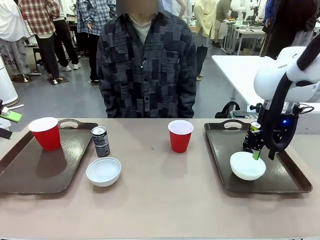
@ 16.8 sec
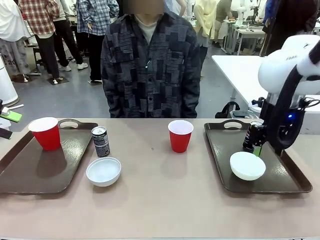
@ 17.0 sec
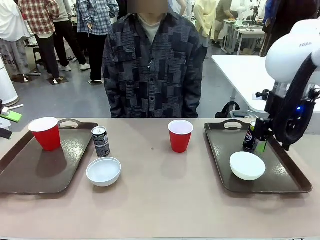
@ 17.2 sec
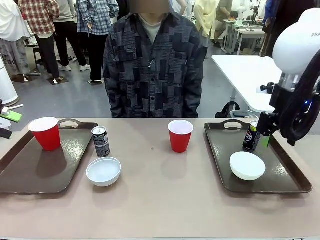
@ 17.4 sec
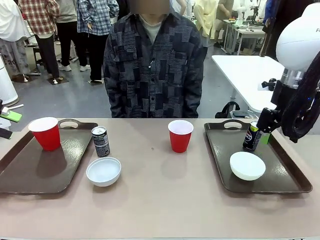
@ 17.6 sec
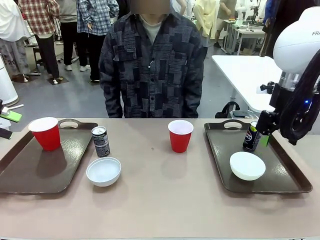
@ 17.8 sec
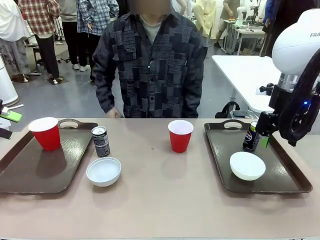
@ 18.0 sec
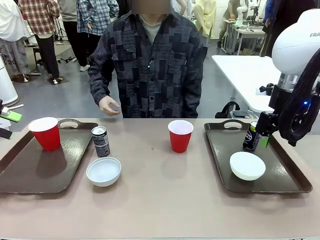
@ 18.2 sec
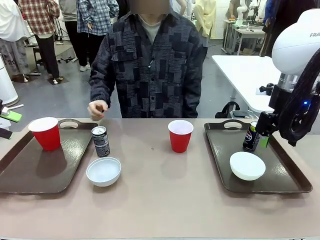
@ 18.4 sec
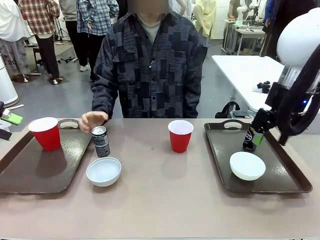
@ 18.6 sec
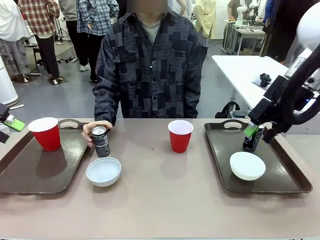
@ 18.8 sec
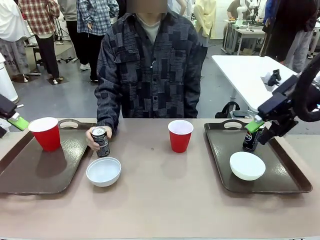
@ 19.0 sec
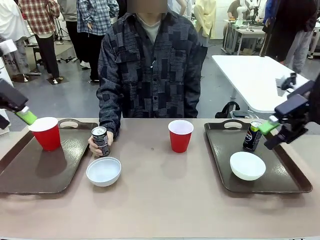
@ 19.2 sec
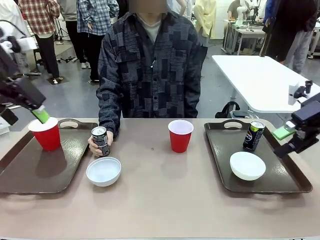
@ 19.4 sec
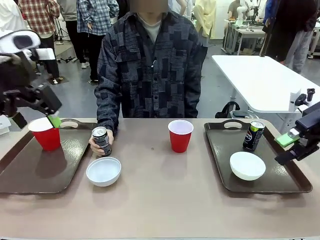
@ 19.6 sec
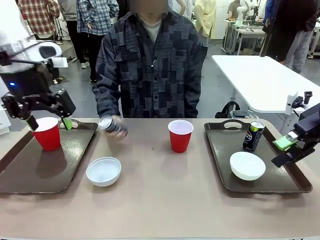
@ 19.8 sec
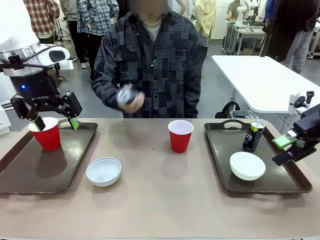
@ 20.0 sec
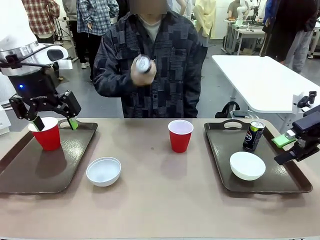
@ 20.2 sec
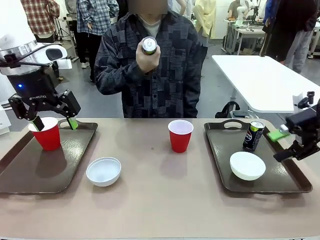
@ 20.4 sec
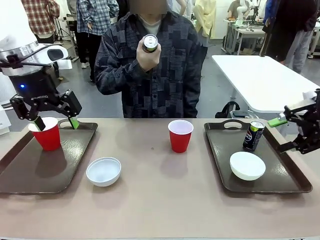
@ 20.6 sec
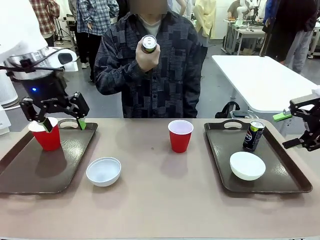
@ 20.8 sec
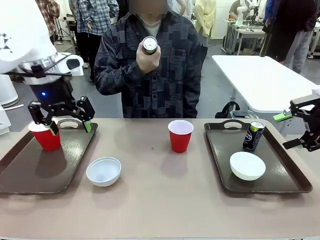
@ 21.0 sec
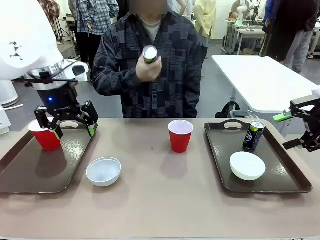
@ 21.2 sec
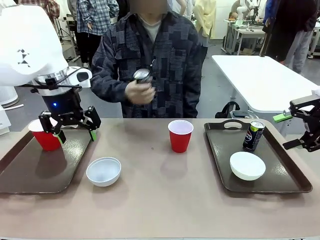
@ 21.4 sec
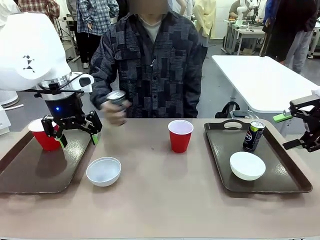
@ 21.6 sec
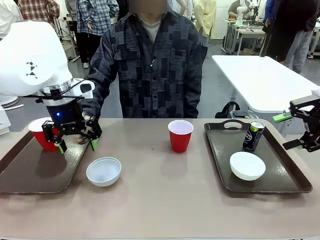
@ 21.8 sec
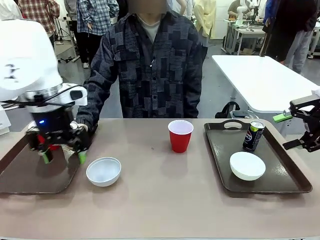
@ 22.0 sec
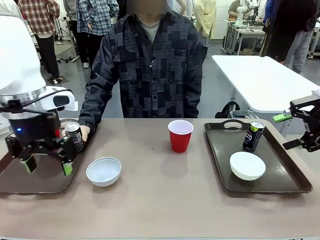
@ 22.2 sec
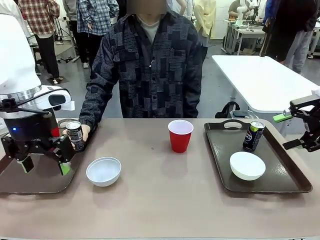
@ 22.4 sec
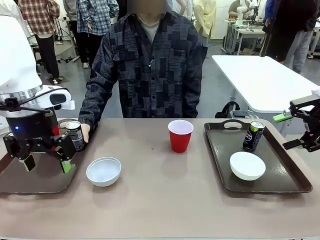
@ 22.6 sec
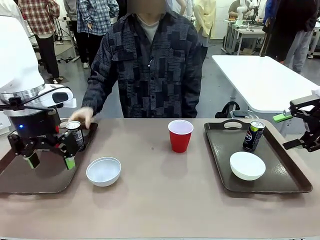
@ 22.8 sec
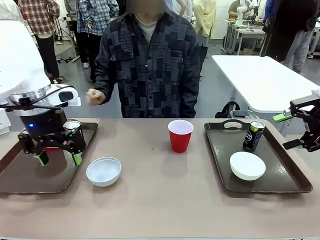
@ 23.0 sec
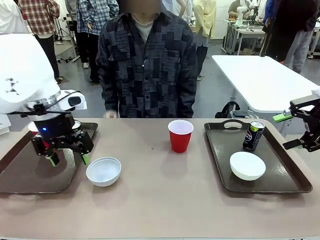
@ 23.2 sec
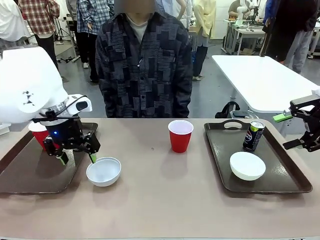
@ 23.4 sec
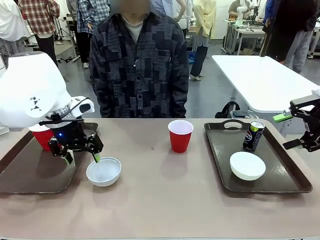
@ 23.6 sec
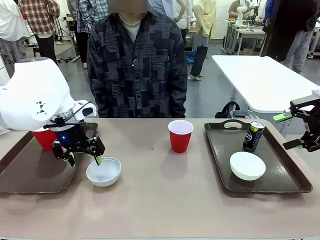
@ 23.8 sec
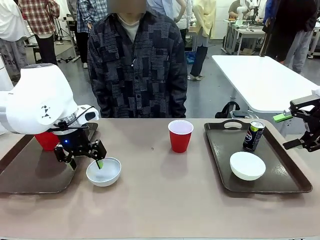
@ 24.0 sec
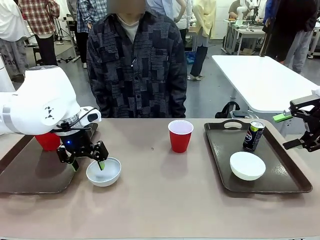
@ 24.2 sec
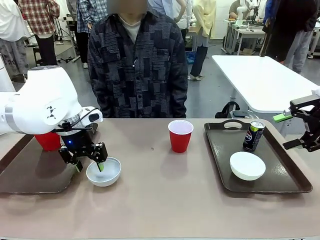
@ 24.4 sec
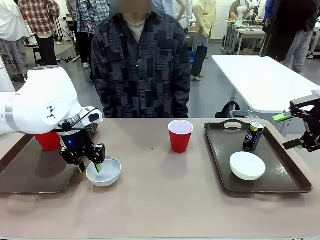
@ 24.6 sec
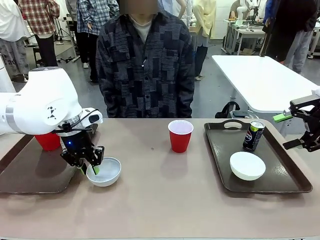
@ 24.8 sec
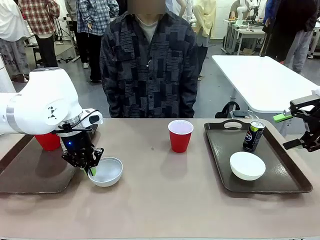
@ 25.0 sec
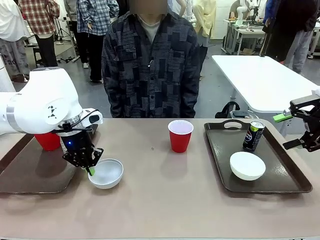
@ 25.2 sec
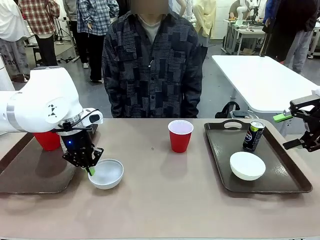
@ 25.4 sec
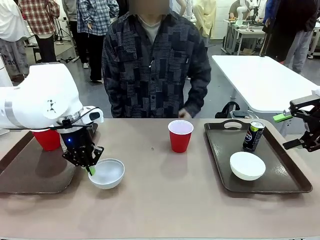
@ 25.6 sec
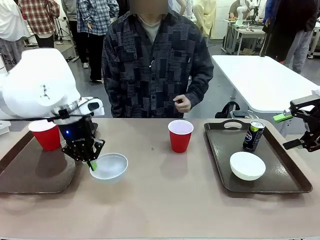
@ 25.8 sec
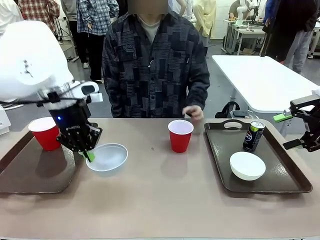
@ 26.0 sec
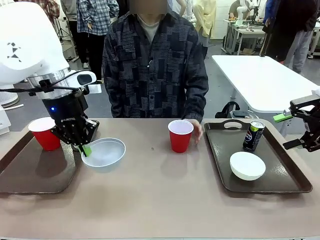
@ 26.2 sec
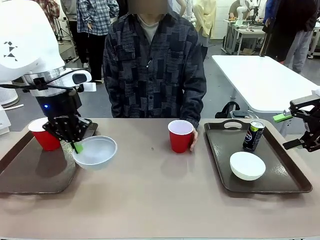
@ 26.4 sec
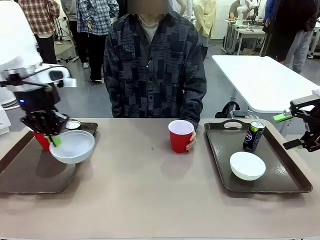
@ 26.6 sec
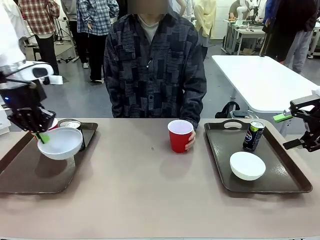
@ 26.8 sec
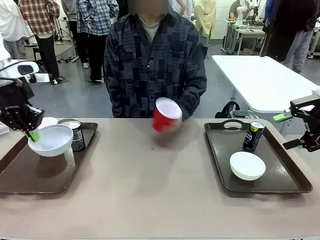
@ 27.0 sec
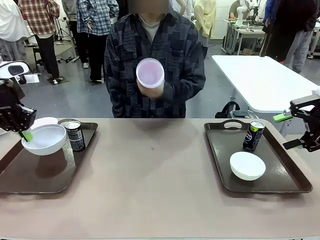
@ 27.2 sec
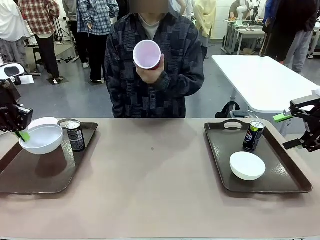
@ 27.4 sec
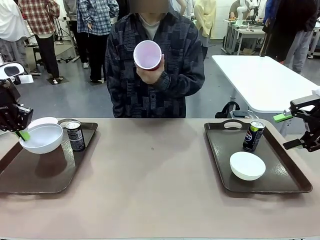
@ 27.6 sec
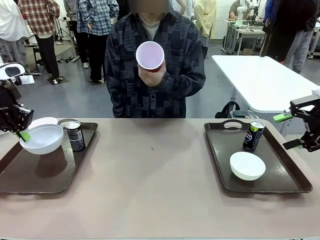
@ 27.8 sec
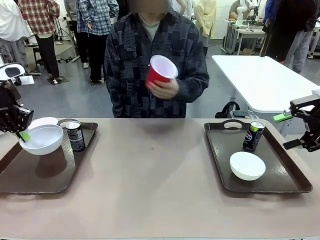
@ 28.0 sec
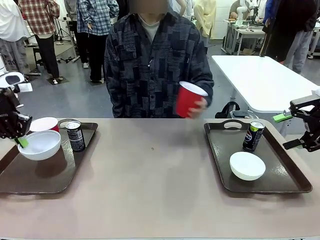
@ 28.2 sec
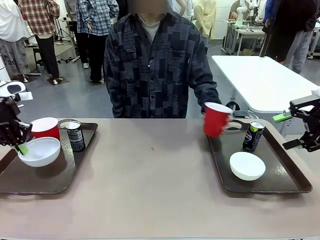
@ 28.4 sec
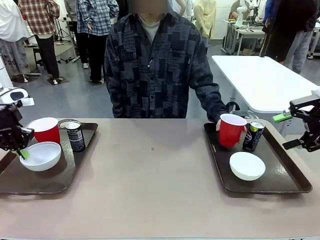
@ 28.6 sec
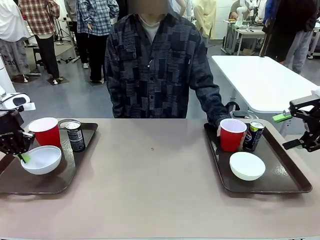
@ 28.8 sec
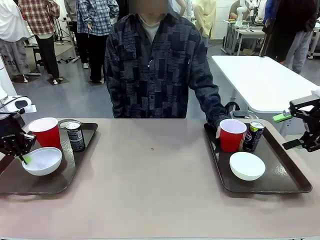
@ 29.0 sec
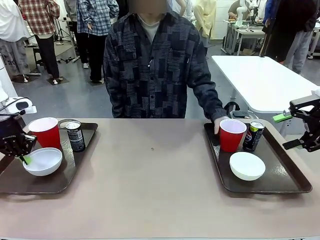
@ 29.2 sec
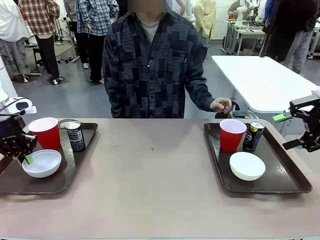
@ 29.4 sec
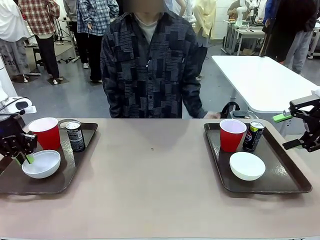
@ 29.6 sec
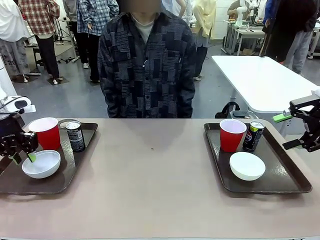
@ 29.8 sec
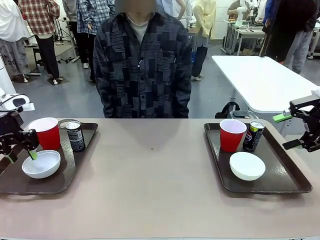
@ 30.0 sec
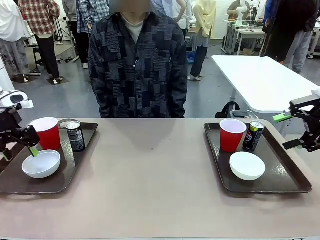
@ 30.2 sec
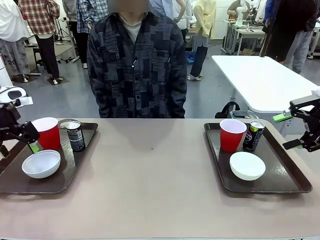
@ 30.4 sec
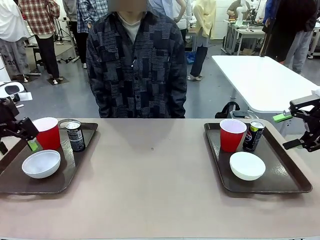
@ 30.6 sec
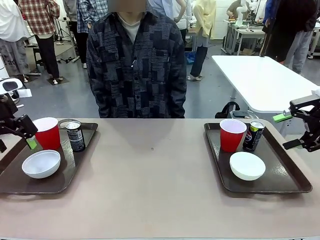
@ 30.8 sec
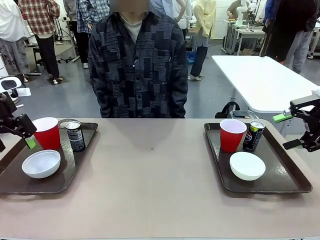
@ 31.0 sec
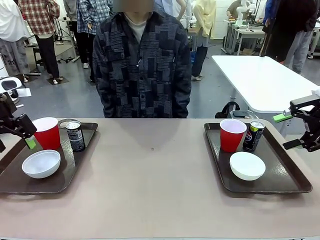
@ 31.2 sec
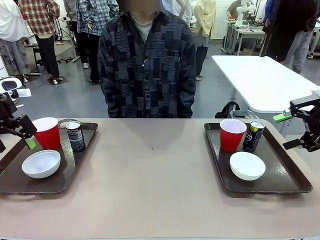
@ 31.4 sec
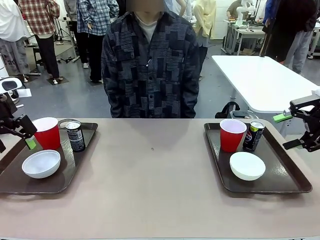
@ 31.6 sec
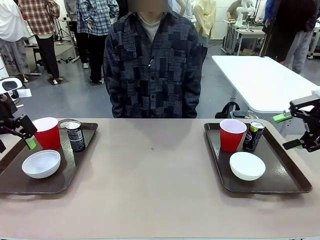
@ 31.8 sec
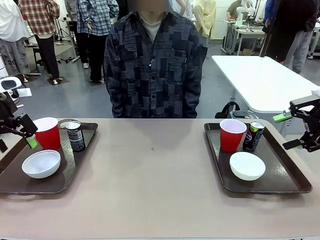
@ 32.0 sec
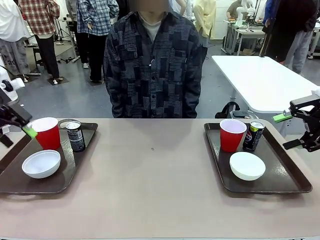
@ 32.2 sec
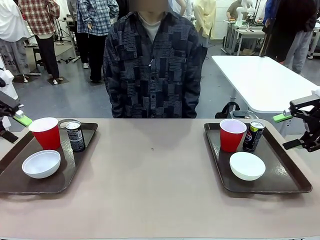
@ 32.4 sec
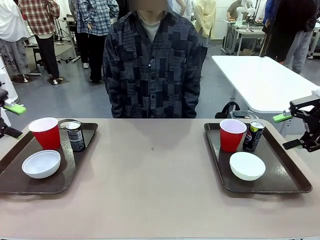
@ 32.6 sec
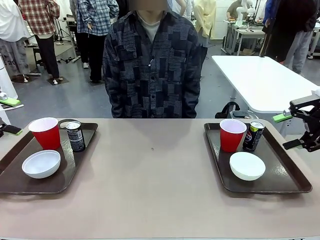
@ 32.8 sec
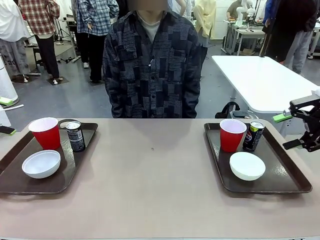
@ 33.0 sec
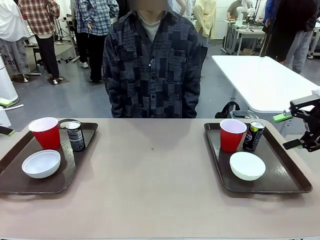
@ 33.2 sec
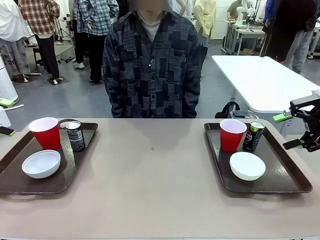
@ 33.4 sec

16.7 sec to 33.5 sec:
Task: Prepare tableware on both trays.
Robot: Pick up a Picnic Bowl from the table and place it on a Handle tray.
Person: Pick up a can or cup and place it on the tray without a can or cup.
